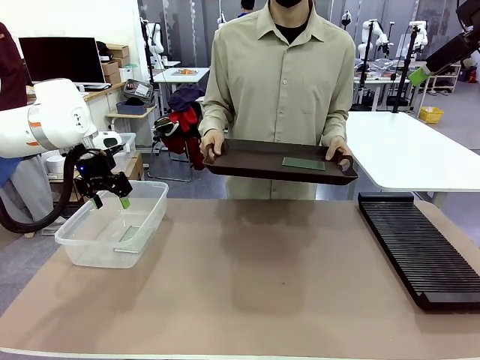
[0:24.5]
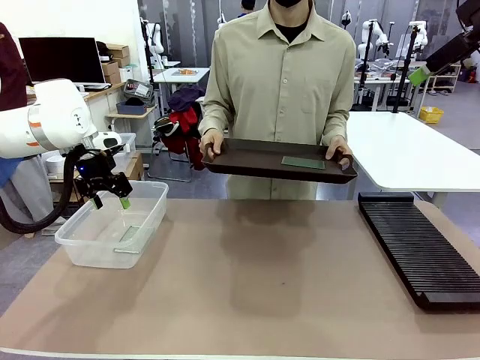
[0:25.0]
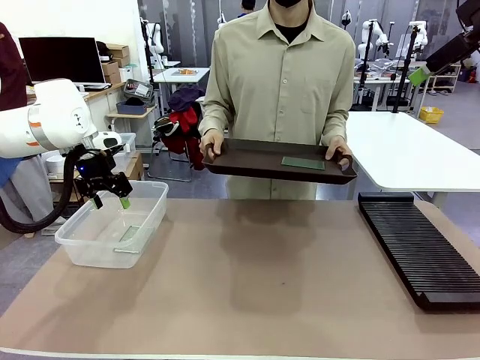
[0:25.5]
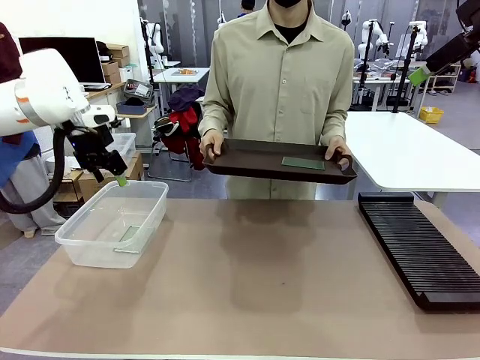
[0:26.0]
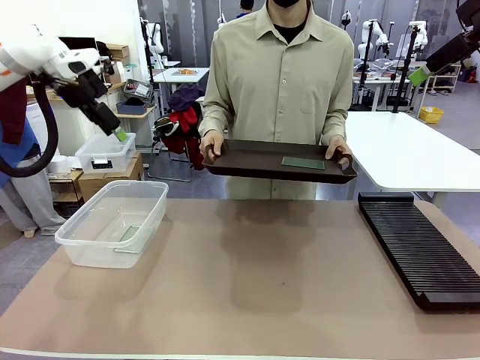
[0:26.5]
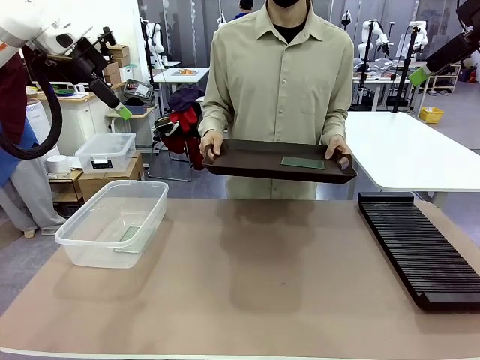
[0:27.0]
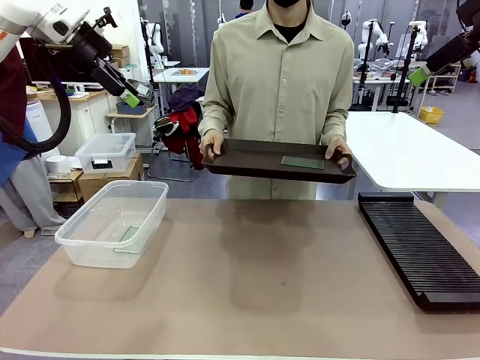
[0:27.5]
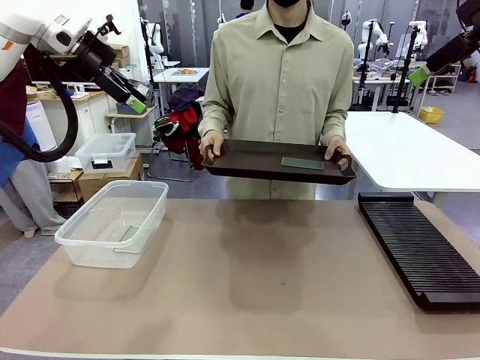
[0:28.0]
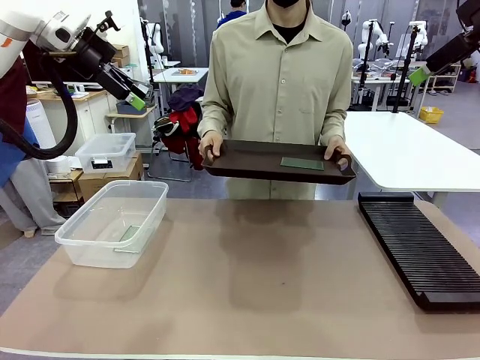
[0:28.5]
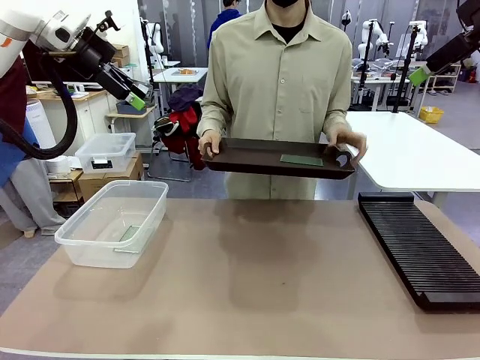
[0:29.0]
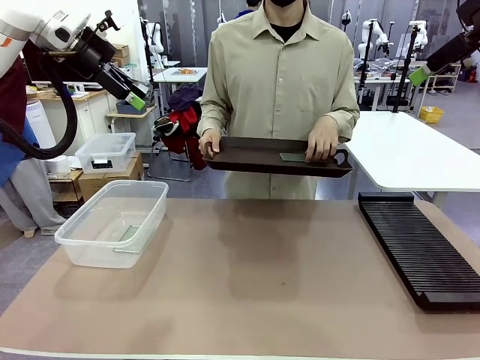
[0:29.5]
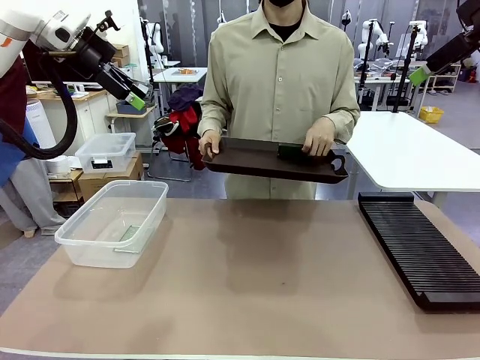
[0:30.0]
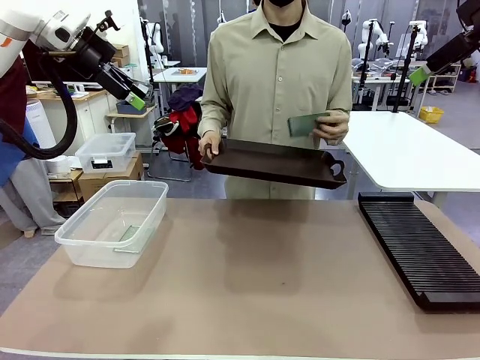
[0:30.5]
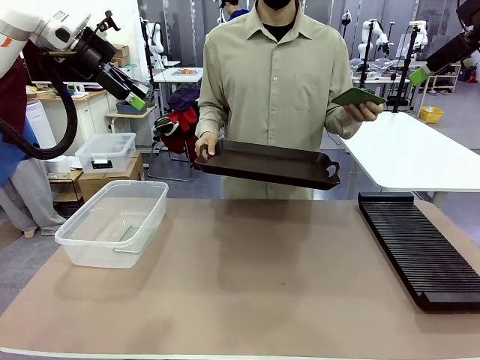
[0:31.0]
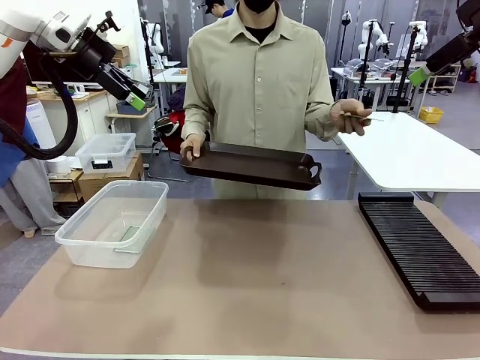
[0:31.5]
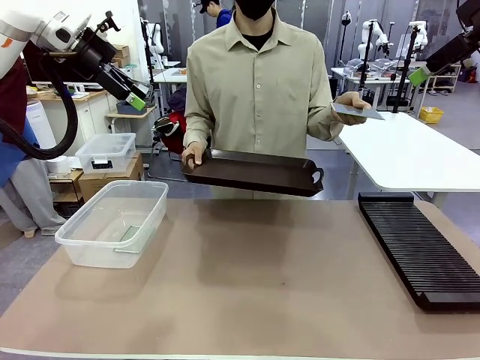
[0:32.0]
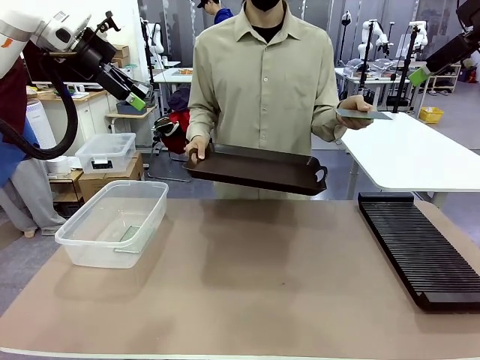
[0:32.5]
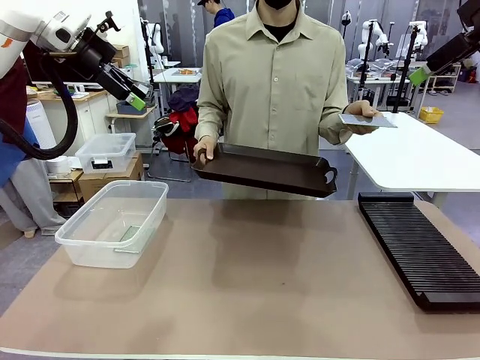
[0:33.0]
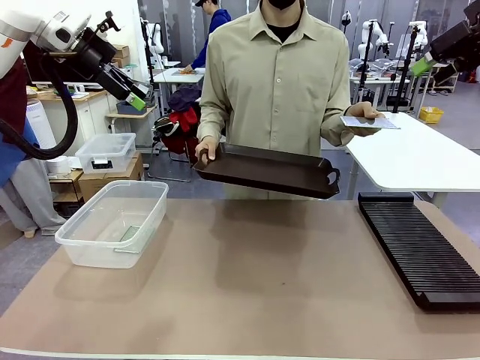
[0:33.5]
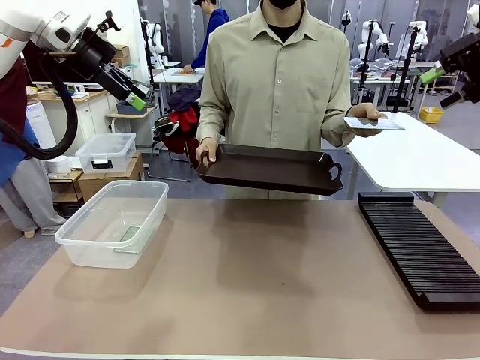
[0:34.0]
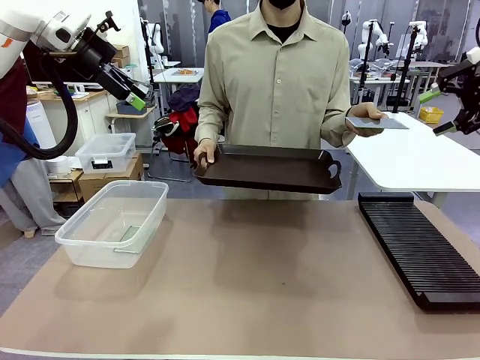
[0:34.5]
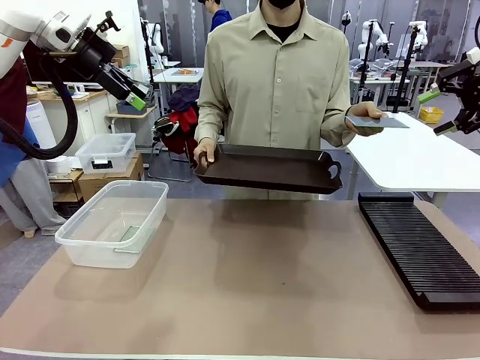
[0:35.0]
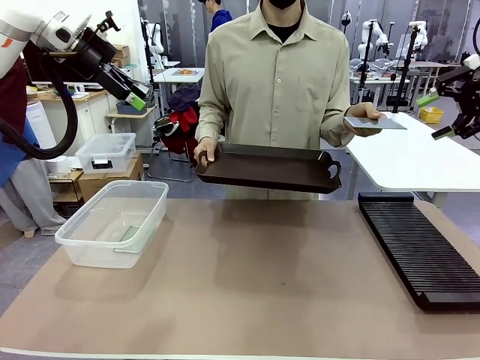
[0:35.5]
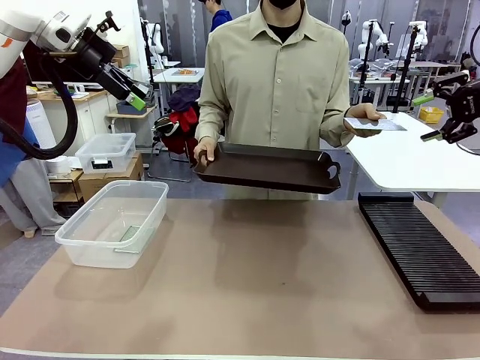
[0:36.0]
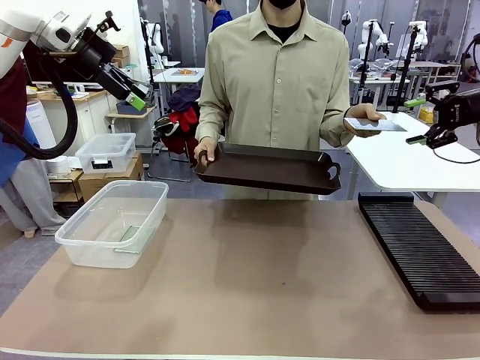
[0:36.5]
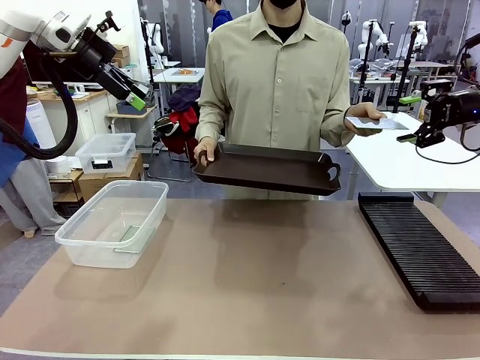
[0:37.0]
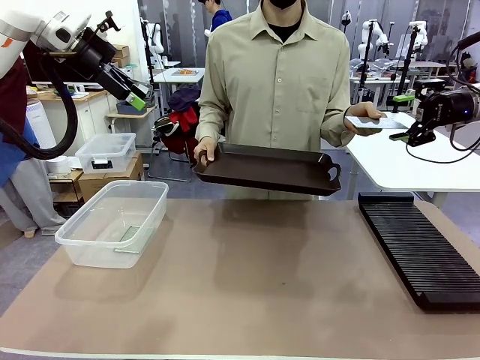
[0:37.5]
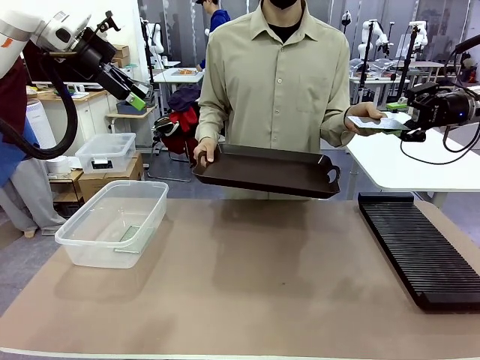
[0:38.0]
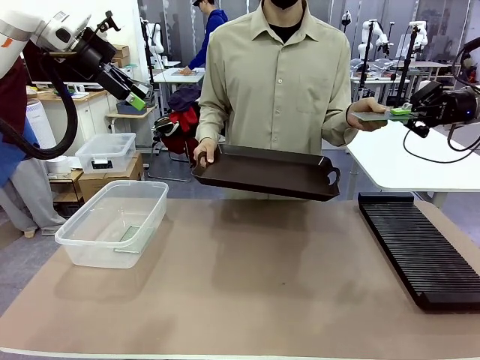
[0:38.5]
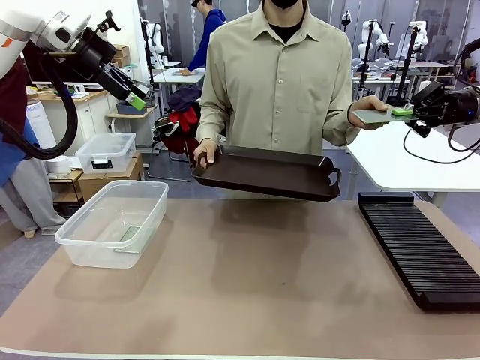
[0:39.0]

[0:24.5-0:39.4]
Task: Sort PCBs into racks and boxes based on the side picked up.
Robot: Pick up the Blank PCB handed by the Human.
Person: Pick one PCB from the tray and present it to the robot.

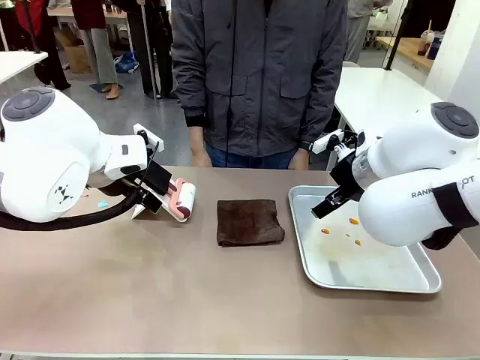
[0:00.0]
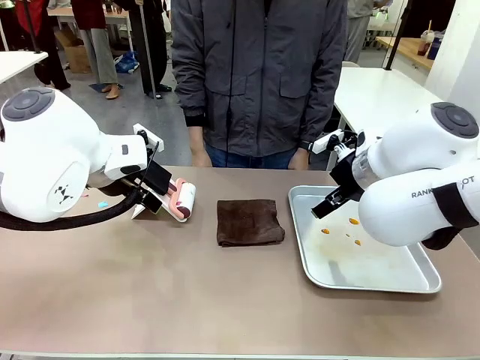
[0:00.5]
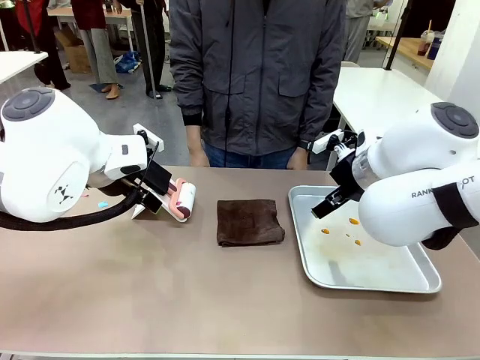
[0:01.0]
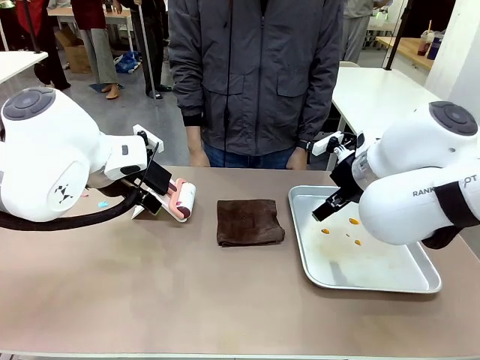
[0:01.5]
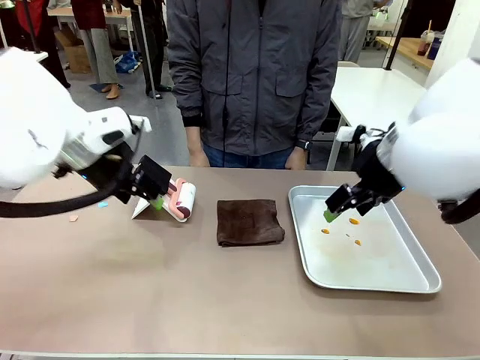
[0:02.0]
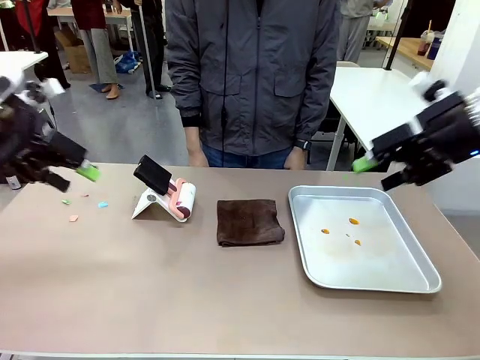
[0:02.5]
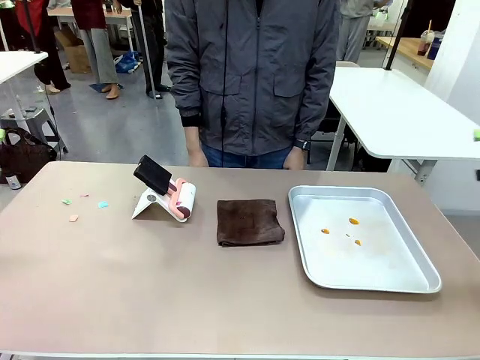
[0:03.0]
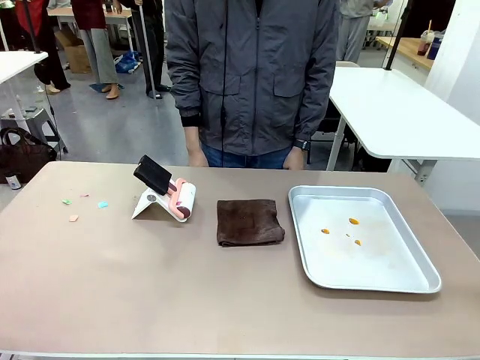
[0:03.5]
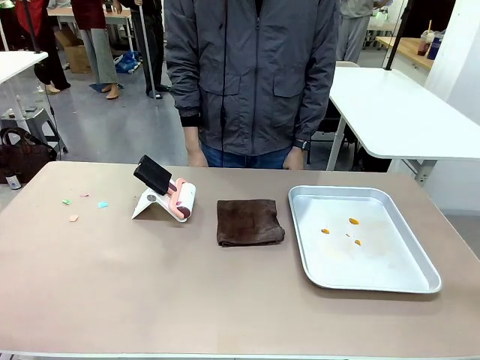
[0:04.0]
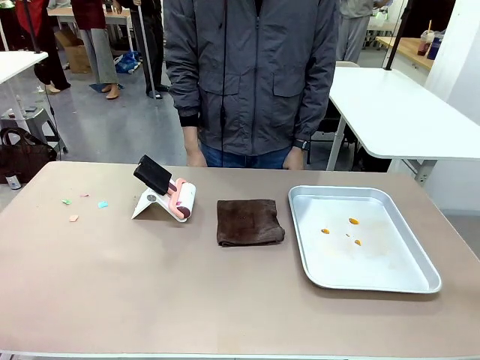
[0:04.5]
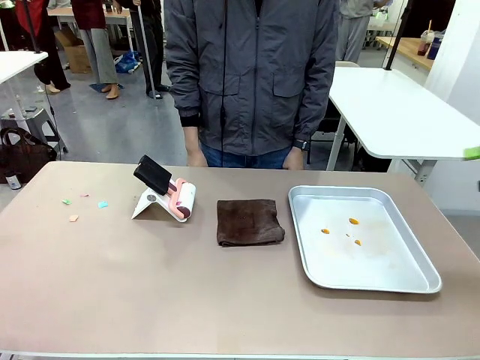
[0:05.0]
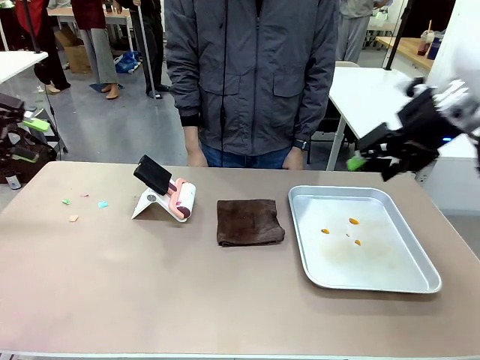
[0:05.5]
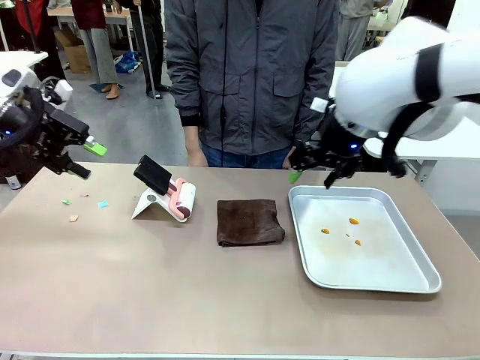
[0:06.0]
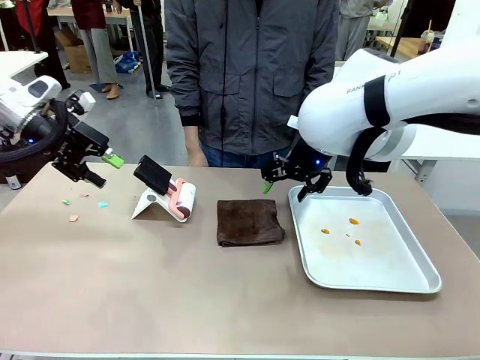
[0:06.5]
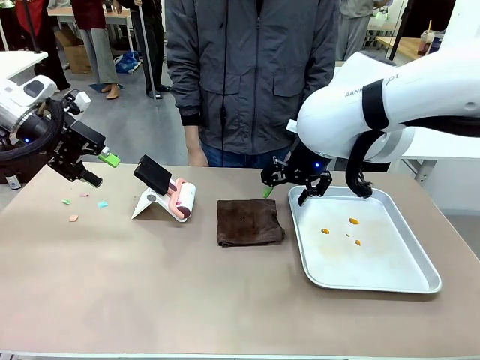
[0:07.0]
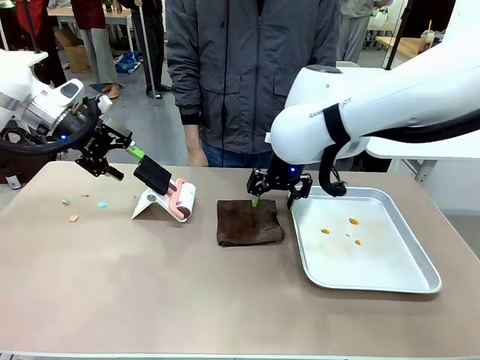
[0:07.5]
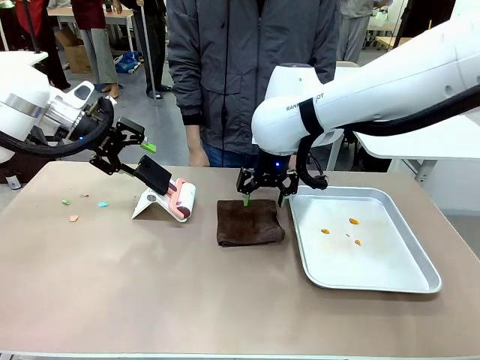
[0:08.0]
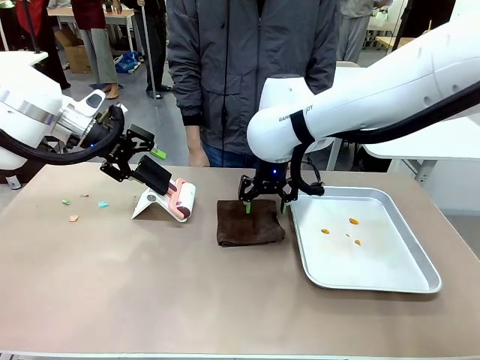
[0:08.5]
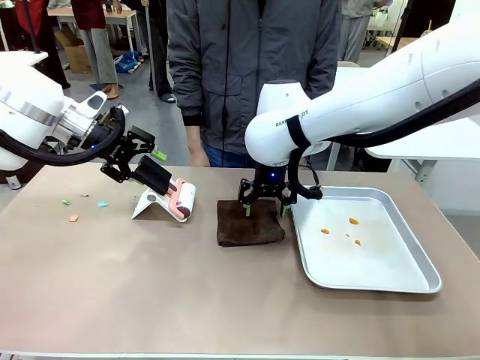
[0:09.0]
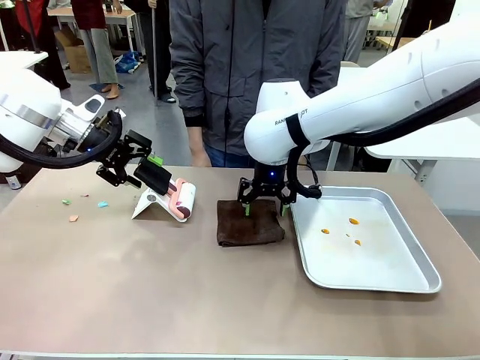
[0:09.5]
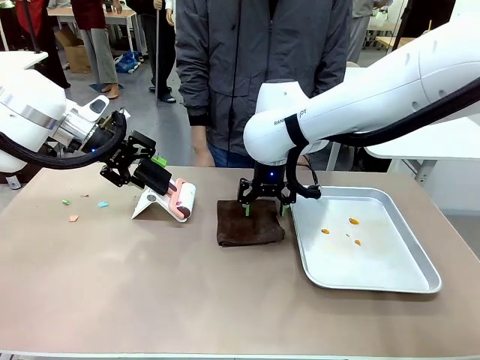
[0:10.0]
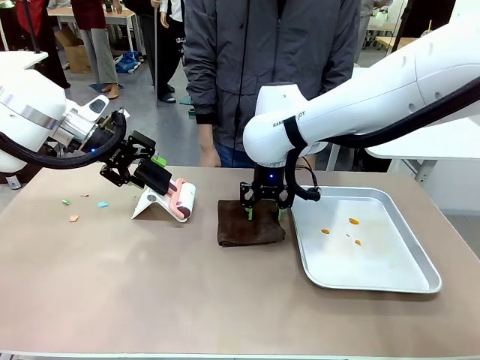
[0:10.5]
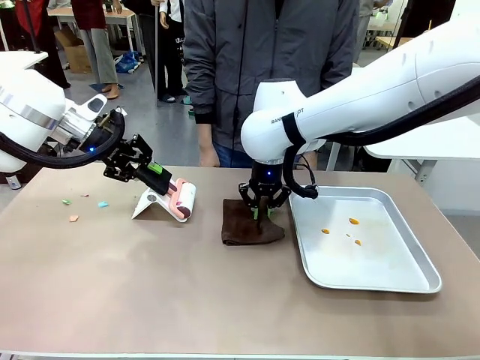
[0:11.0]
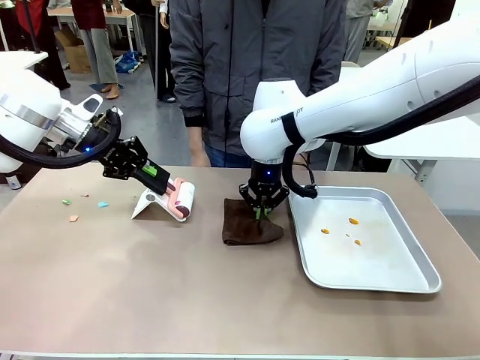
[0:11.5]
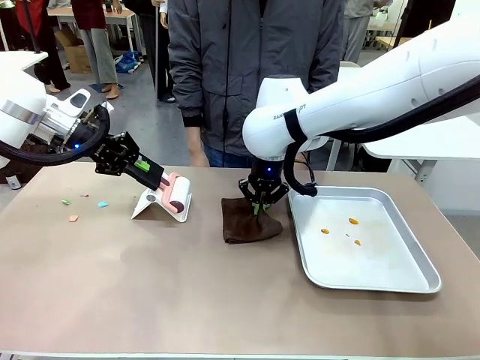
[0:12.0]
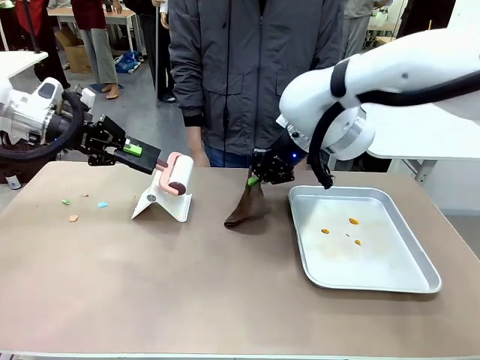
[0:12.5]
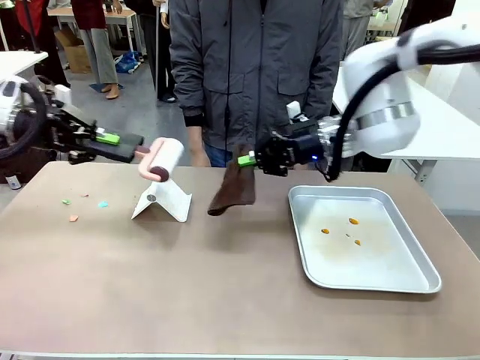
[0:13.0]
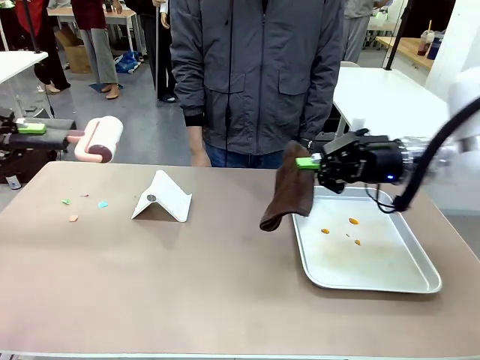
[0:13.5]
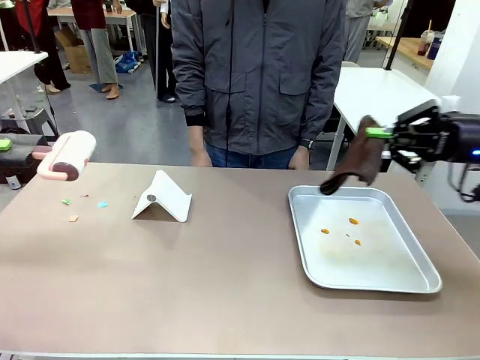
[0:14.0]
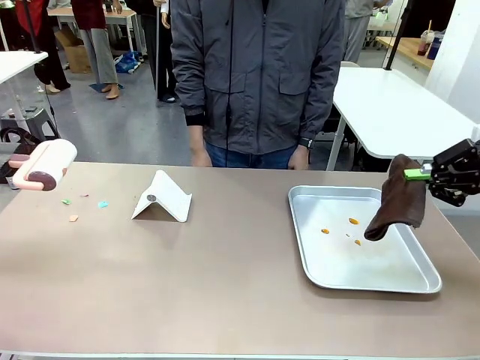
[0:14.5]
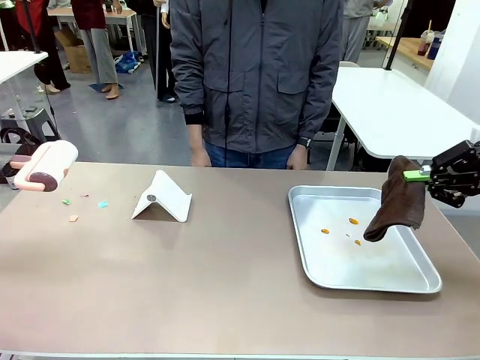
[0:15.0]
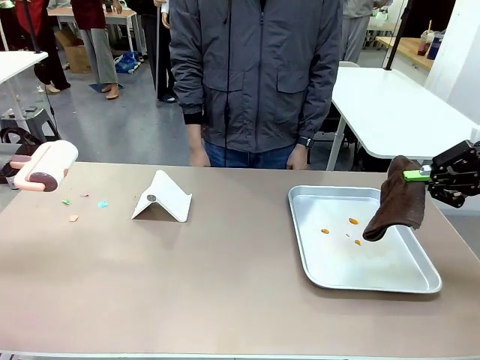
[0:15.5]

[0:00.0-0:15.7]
Task: Clean the surface of the table.
Robot: Hold the Lint Roller with your left hand and the towel with your right hand.
